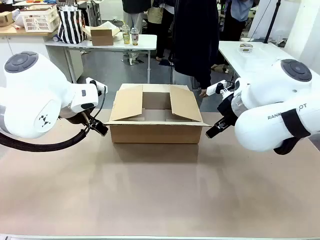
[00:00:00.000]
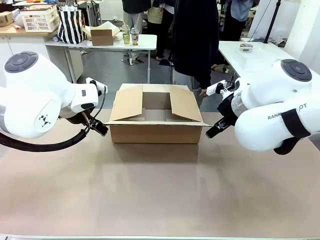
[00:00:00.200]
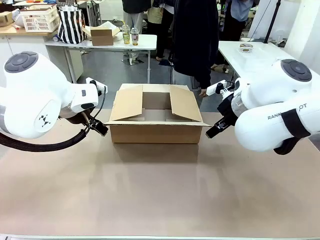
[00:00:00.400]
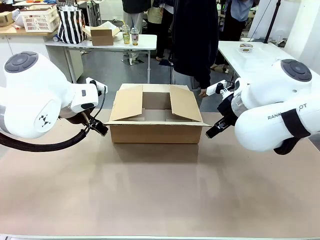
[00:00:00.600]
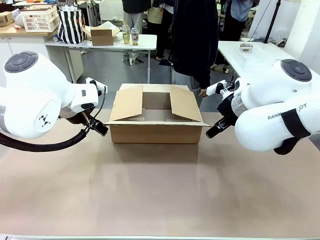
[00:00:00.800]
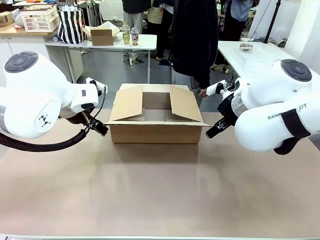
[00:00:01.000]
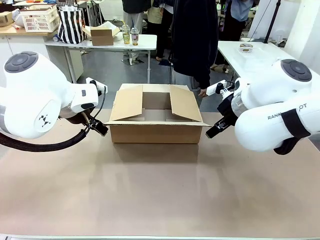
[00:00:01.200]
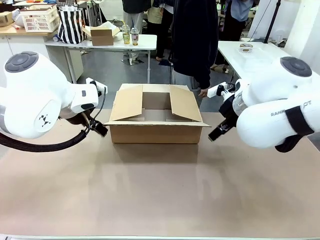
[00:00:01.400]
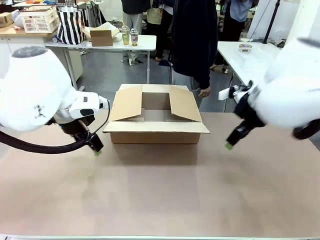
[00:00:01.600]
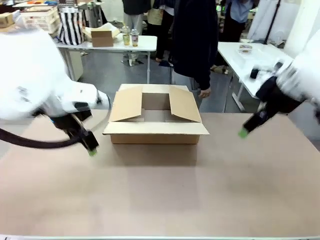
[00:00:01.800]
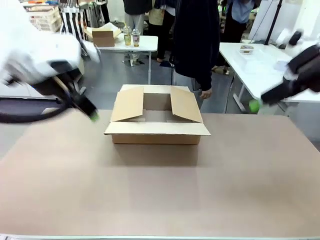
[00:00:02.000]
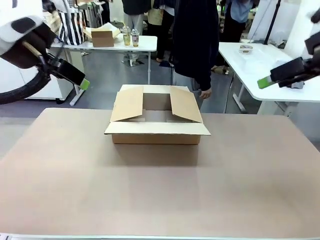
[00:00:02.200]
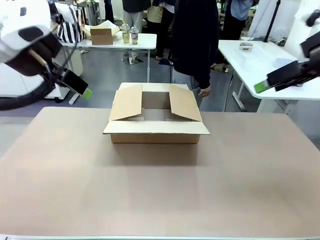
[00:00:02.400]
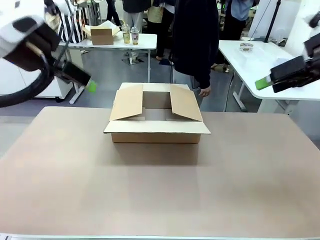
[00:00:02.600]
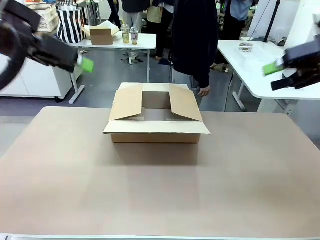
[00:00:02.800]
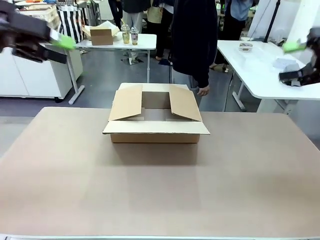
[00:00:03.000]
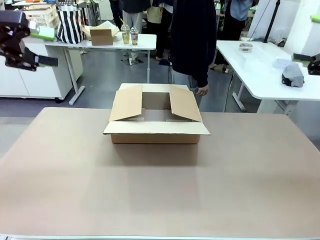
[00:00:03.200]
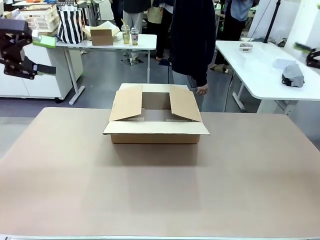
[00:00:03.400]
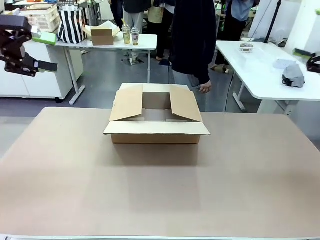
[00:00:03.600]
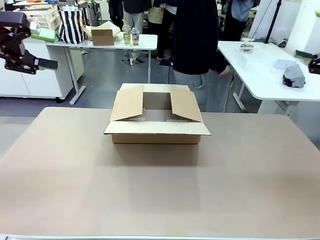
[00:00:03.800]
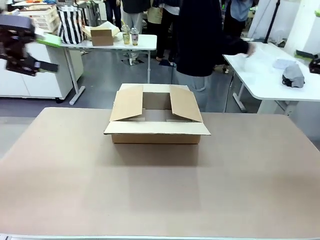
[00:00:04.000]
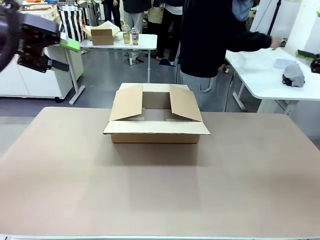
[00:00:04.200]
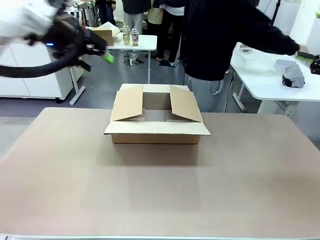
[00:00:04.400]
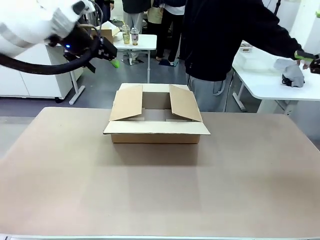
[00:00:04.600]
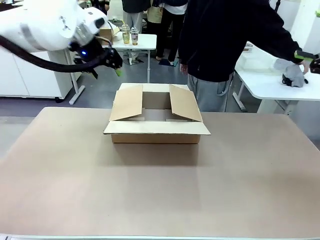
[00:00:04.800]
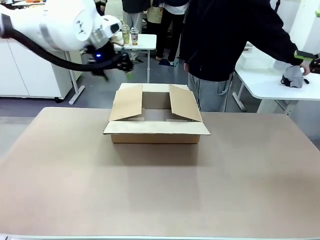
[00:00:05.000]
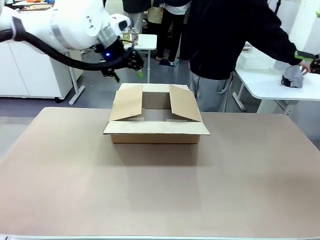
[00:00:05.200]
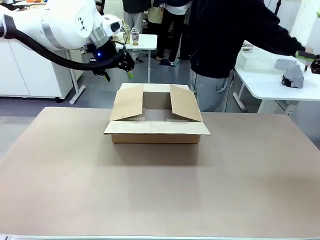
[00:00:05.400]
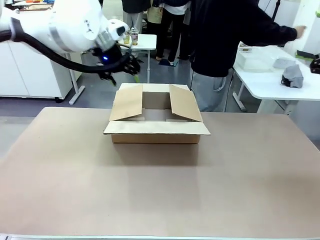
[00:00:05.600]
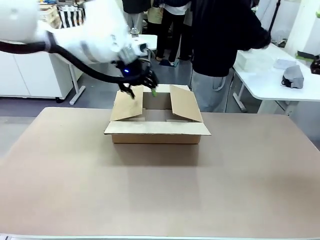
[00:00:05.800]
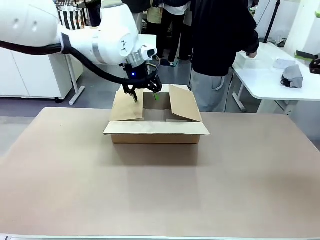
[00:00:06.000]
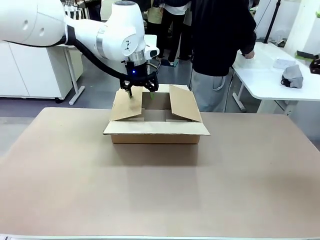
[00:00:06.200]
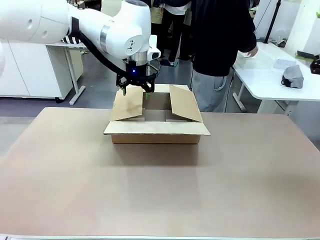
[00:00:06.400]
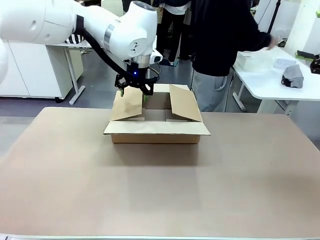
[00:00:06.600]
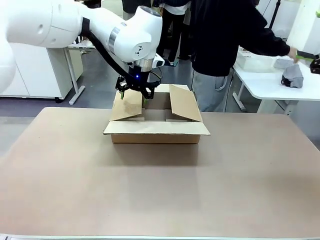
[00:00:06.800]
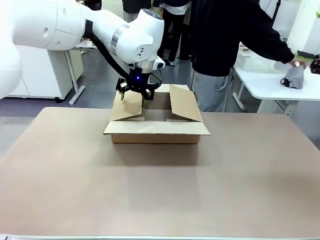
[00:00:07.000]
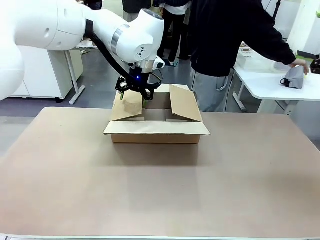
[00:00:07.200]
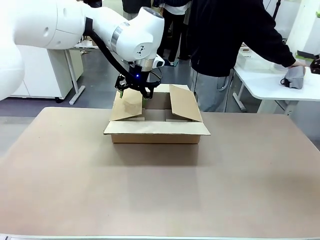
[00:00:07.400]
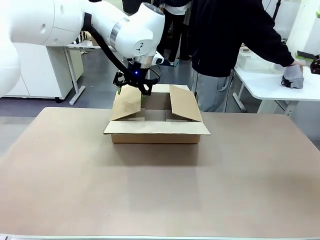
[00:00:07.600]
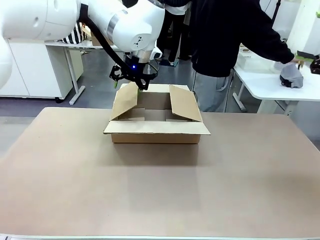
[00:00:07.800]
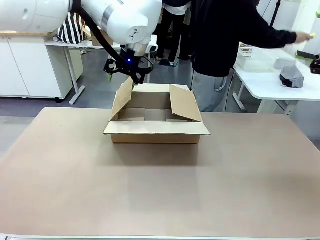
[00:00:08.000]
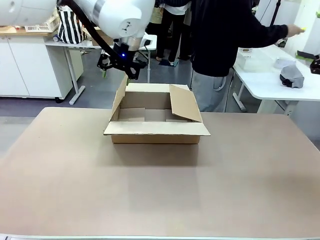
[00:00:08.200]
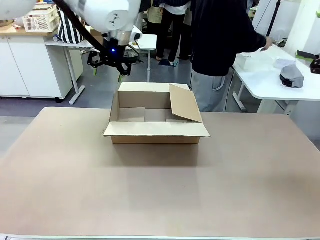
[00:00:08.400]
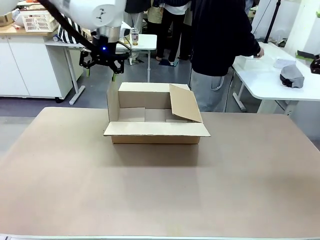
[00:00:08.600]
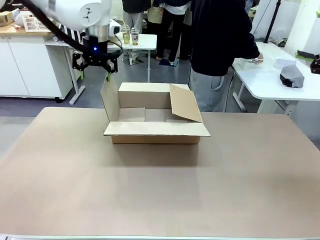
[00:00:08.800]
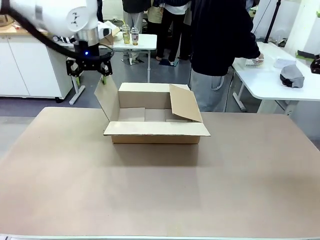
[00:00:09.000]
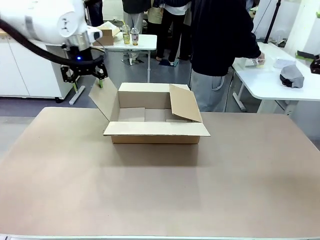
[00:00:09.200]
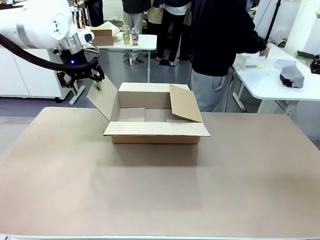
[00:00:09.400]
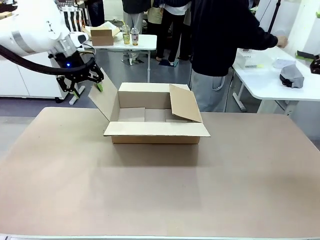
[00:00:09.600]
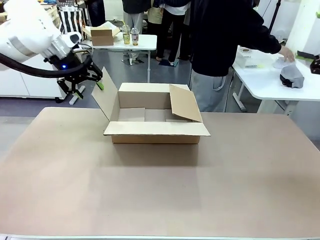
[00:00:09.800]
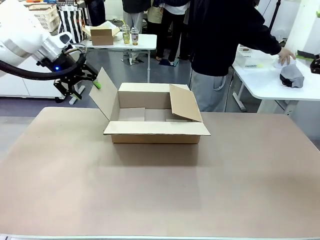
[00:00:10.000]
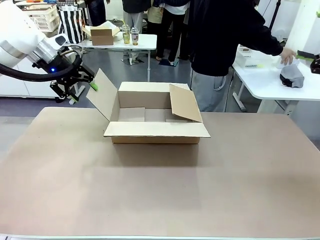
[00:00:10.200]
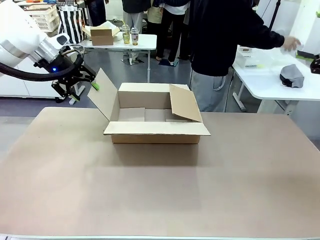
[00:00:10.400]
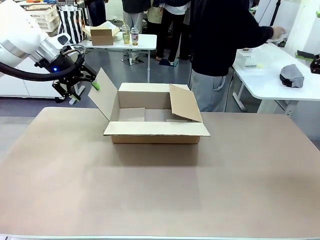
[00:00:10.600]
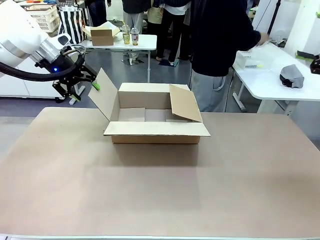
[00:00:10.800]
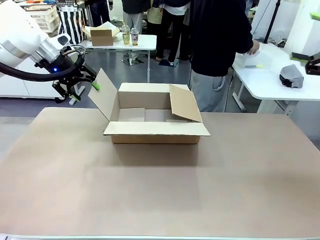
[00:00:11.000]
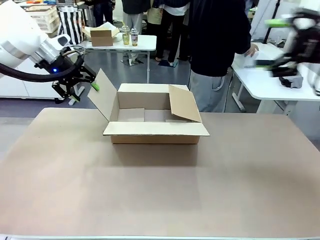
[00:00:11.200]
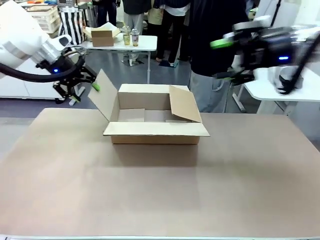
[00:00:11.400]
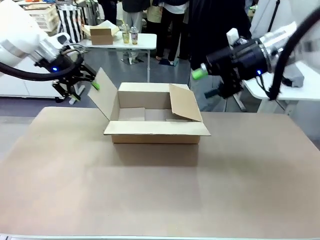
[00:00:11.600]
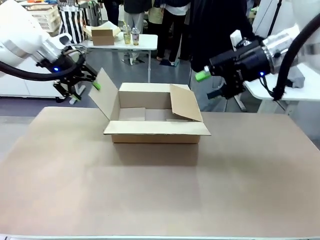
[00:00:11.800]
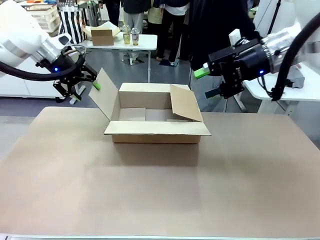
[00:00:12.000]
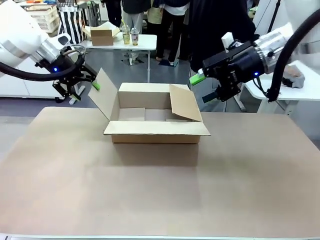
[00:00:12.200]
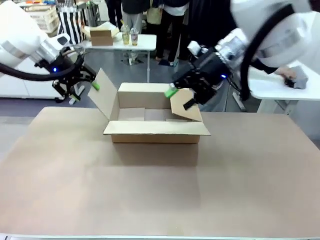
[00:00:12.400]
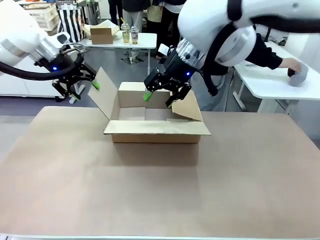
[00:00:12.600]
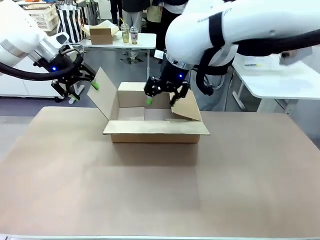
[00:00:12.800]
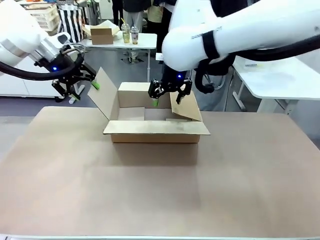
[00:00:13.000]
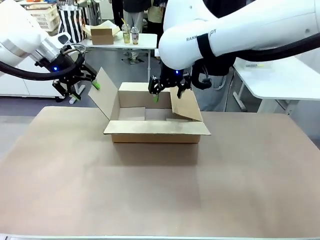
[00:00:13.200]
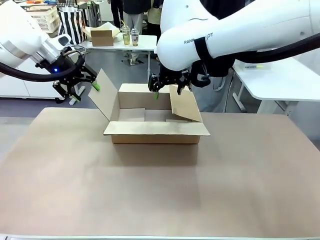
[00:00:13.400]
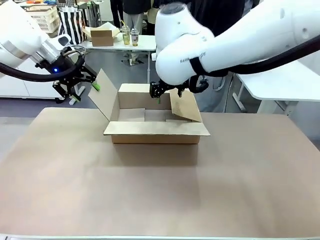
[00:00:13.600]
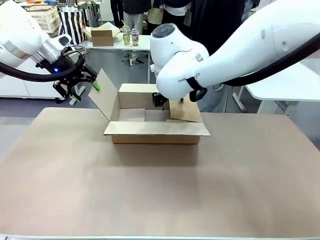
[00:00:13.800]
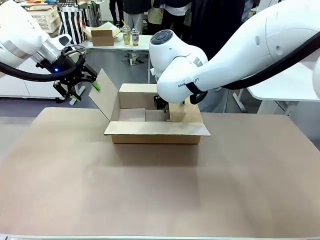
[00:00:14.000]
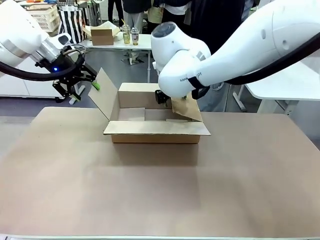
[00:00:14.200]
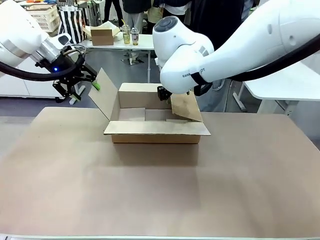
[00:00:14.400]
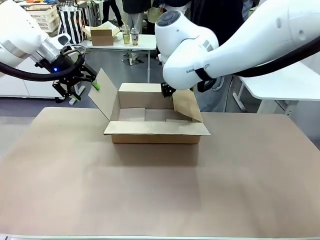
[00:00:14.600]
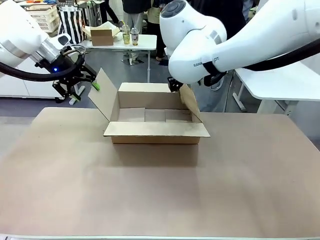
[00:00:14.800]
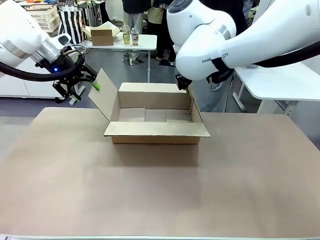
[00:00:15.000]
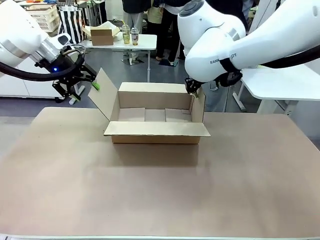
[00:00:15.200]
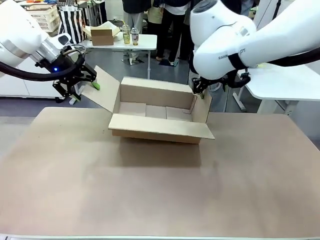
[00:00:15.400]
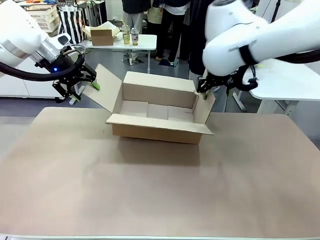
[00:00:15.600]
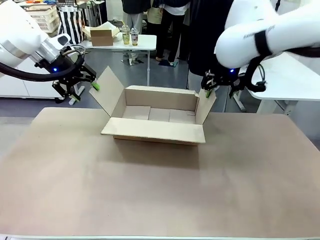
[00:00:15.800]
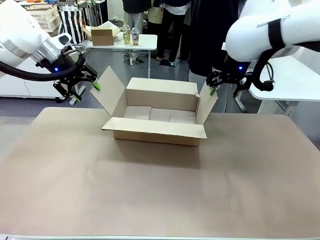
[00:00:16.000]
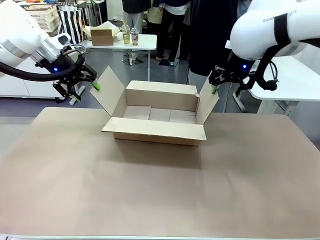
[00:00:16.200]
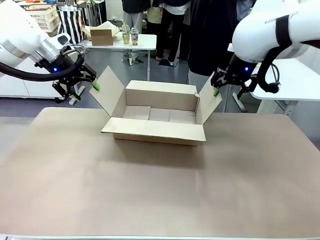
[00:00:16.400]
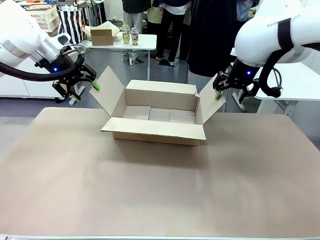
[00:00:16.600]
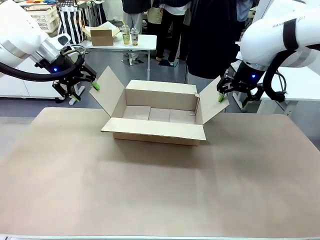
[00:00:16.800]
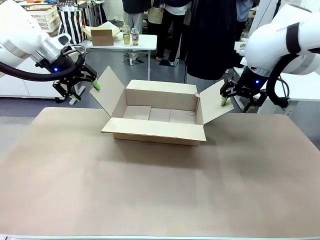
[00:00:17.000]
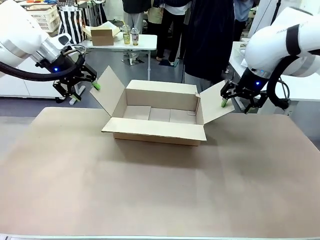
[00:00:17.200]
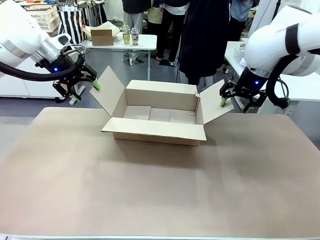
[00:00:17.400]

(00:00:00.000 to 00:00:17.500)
Task: Pack the gift set into the box.
Robot: Place both hands on the side flaps of the Package Box and spread them outward.
Person: The human places all items except the paper tape into the organizing basket.
